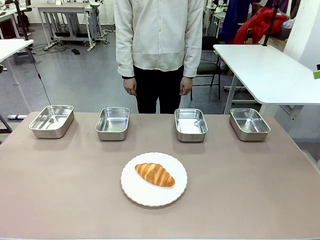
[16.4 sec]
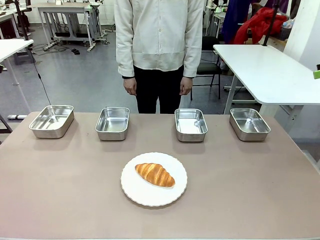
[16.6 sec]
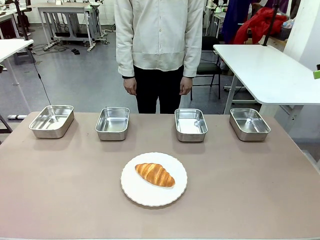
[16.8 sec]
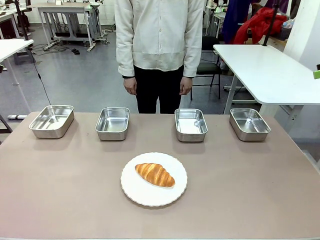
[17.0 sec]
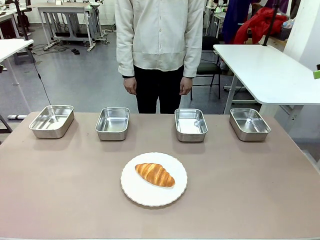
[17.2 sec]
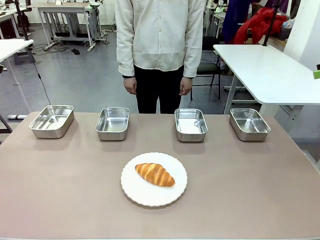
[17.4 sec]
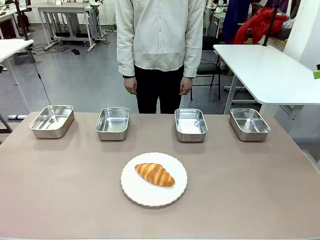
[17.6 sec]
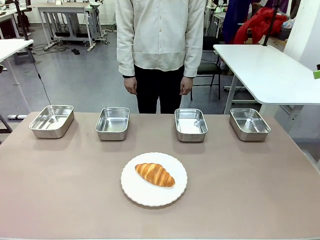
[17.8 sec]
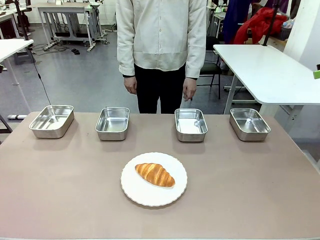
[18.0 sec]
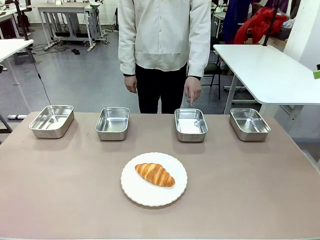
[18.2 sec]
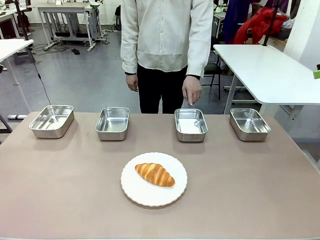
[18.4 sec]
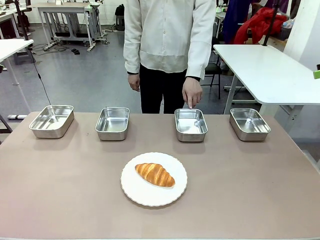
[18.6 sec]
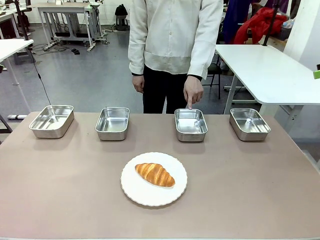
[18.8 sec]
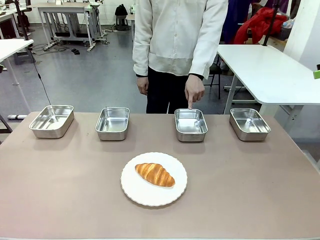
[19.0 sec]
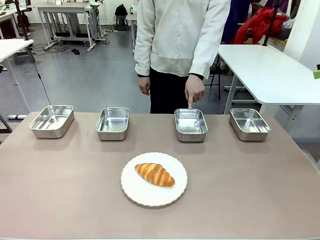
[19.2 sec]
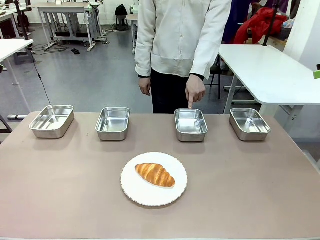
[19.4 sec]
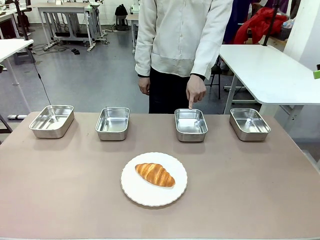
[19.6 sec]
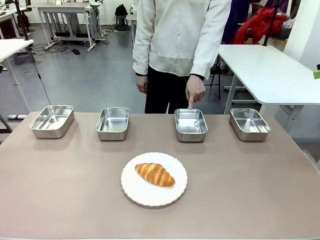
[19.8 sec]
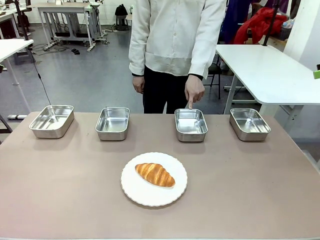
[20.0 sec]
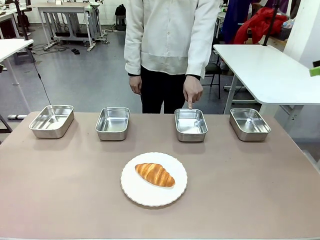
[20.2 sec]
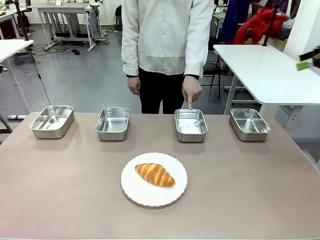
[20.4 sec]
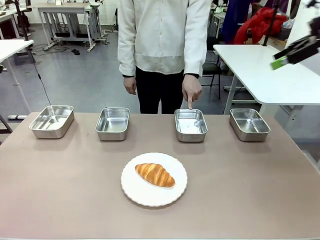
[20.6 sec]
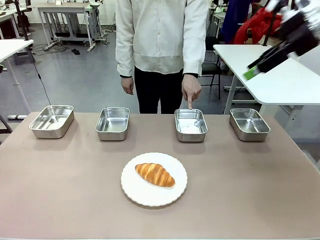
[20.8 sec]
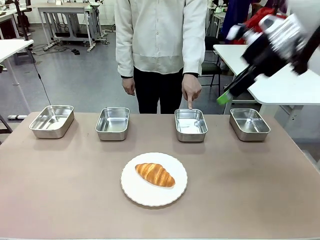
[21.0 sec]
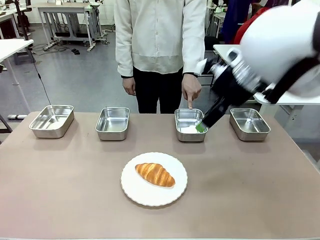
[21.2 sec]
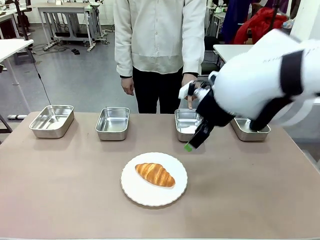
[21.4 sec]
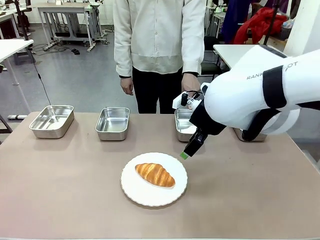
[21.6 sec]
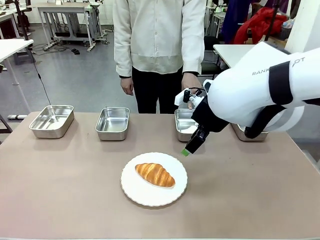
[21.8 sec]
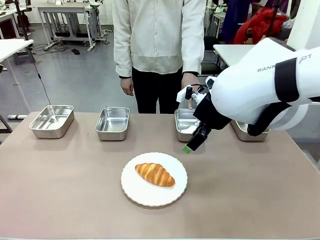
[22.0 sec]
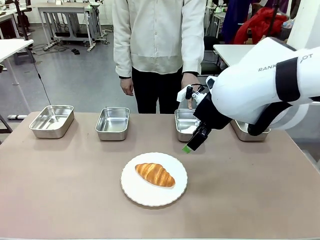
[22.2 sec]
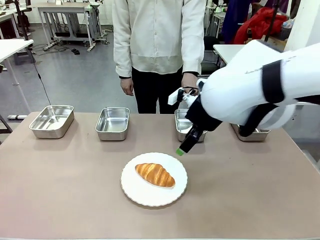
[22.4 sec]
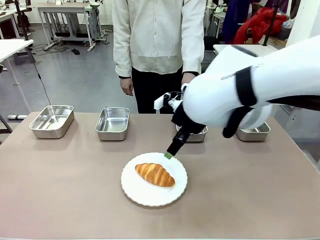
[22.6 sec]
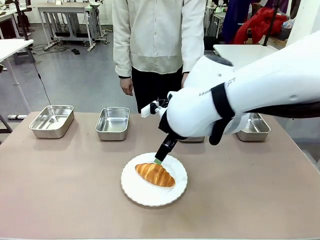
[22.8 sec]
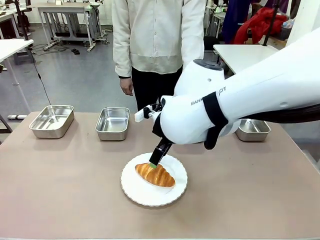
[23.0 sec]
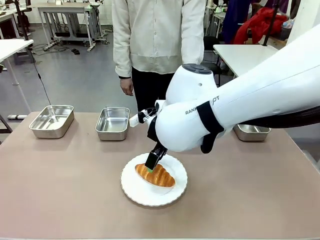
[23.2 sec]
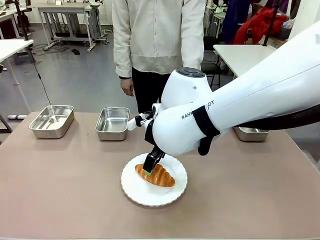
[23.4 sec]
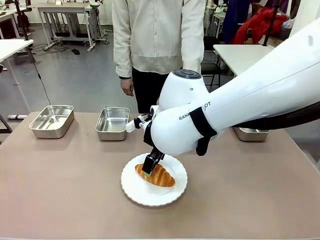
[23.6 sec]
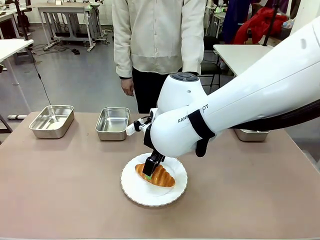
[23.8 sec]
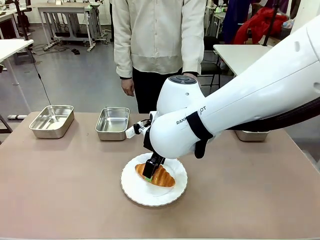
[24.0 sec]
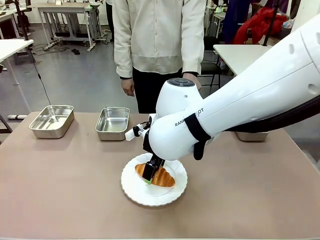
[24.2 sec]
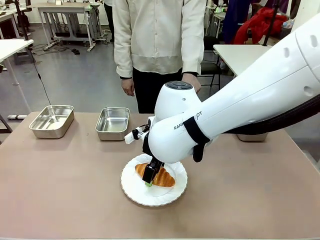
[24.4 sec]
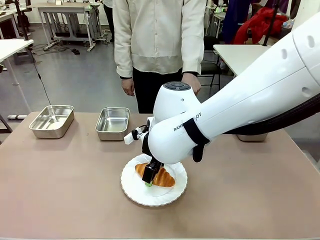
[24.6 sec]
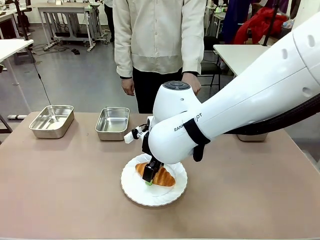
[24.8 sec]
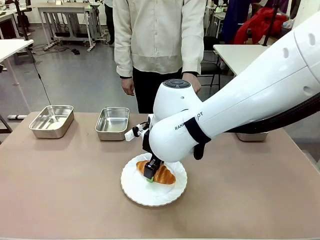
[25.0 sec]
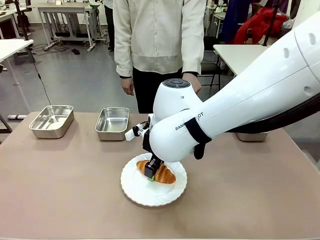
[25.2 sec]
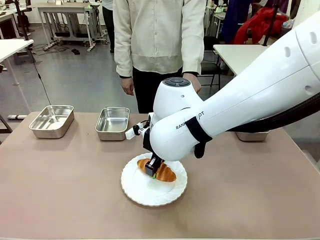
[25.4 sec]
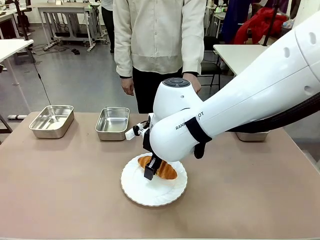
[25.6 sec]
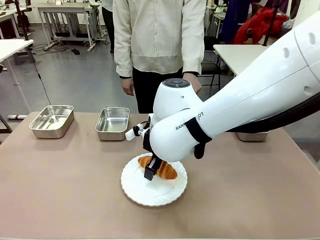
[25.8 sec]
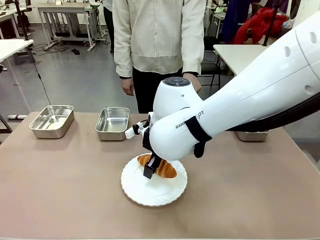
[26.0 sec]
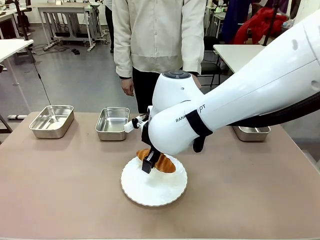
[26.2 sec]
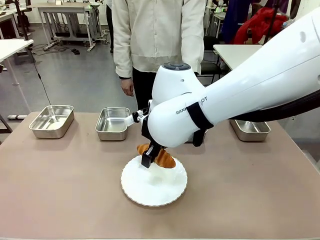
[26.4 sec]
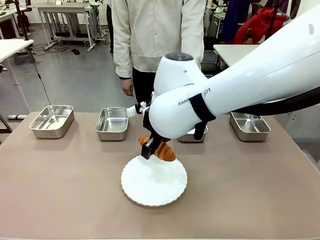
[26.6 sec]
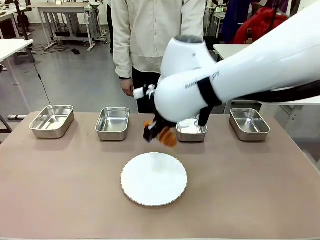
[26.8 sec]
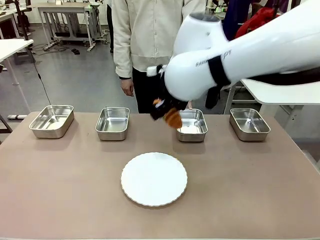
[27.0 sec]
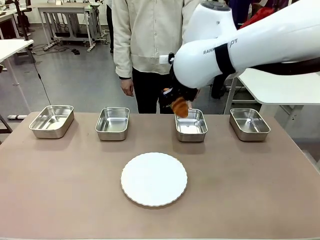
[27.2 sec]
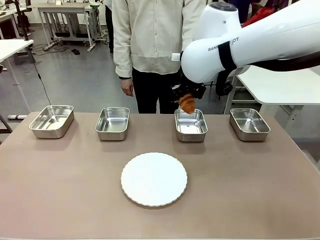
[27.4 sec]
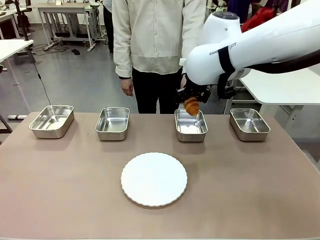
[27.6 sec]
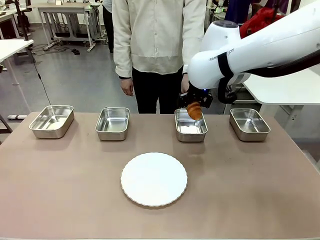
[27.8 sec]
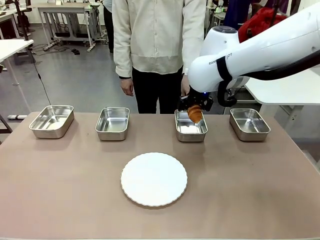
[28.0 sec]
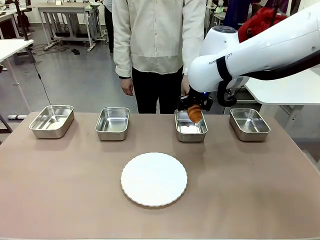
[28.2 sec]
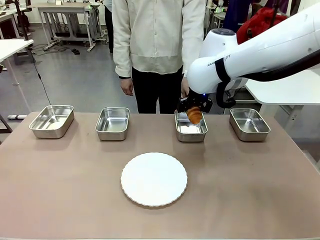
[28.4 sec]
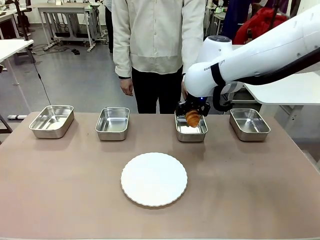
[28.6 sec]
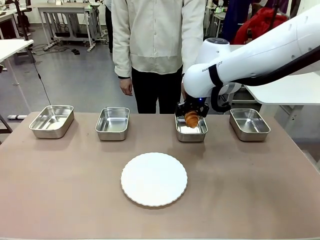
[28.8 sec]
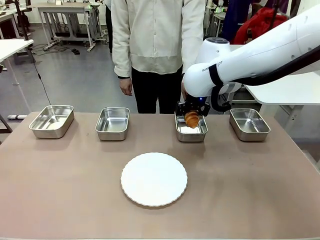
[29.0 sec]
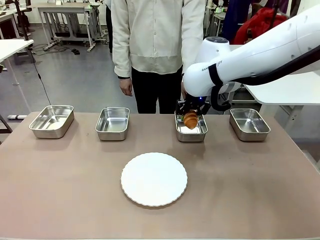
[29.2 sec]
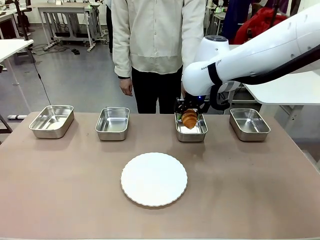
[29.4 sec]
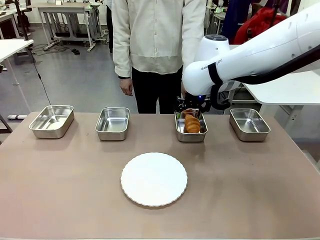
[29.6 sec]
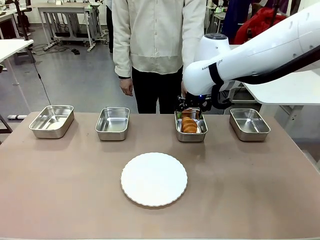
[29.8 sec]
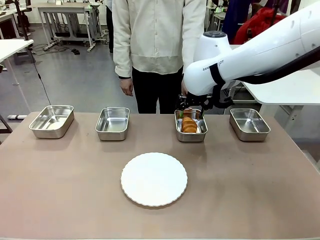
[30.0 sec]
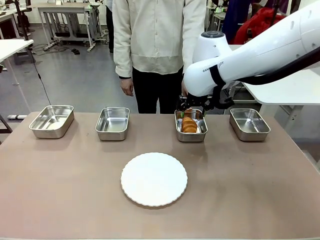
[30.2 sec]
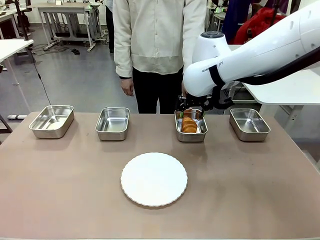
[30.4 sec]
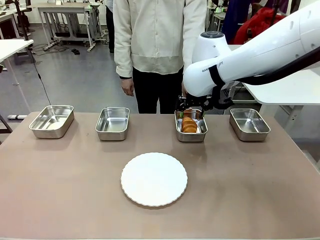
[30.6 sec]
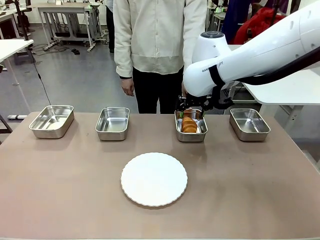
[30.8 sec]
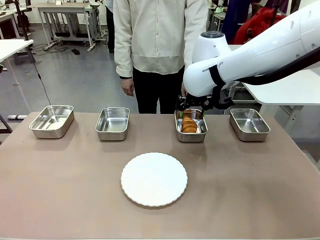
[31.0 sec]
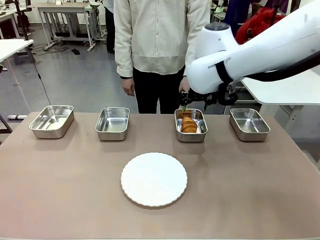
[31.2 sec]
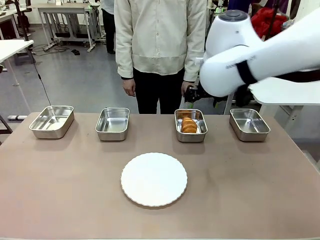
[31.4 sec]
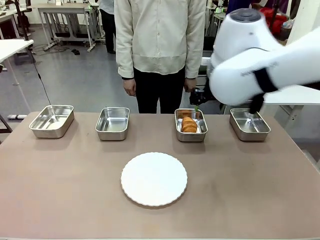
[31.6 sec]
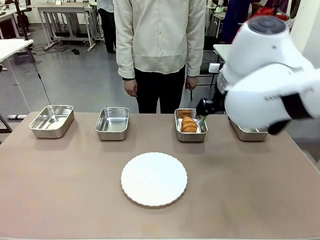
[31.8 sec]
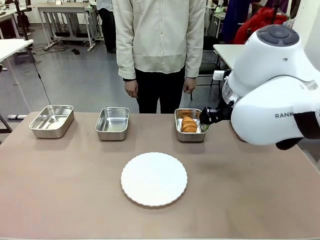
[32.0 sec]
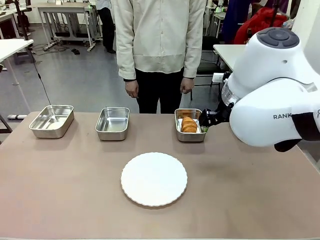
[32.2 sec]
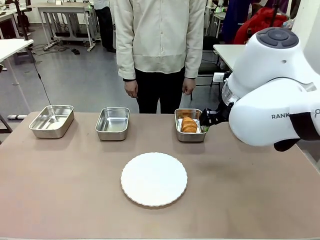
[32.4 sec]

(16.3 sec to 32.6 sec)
Task: Place the bread in the container.
Robot: Place the Butter Roll into the Airtight Container indicated by the human.
